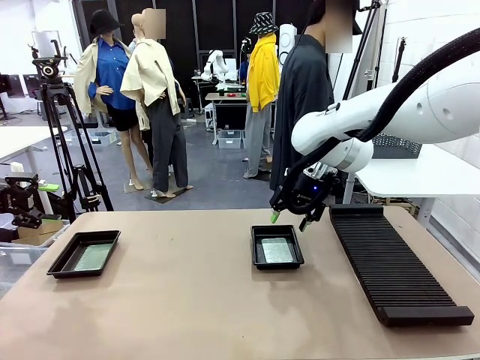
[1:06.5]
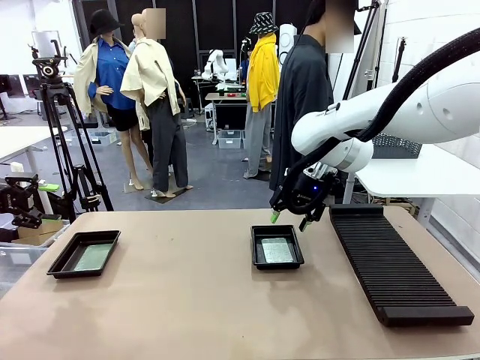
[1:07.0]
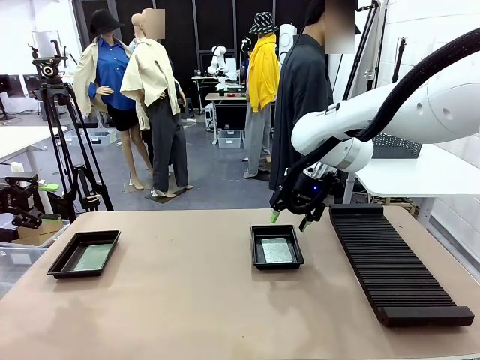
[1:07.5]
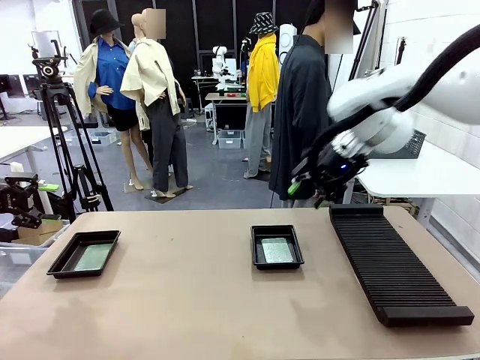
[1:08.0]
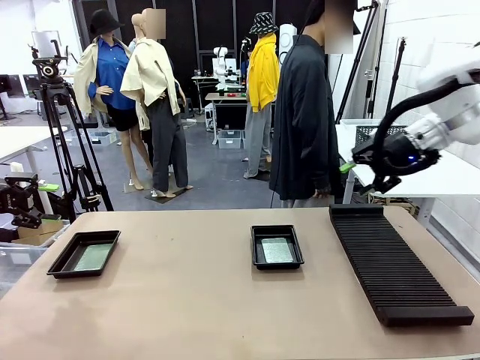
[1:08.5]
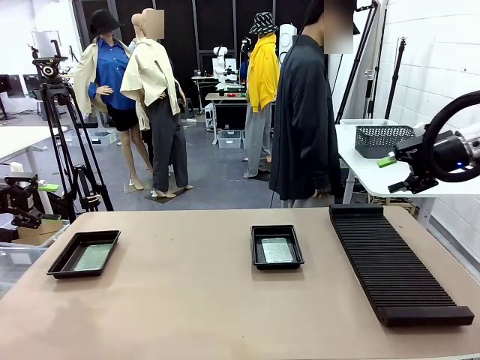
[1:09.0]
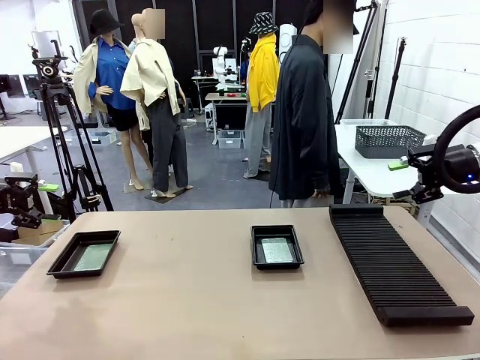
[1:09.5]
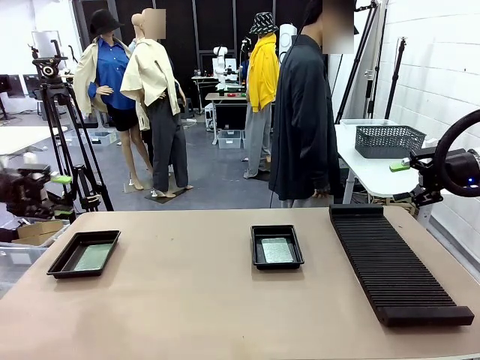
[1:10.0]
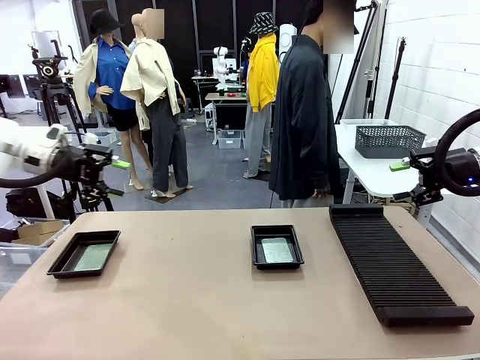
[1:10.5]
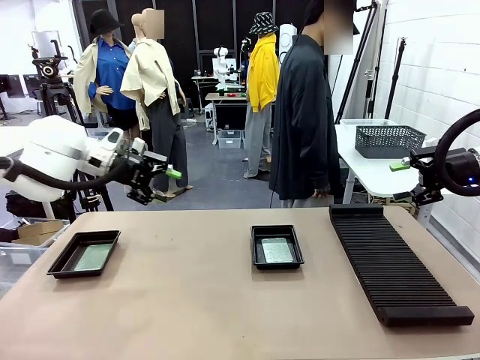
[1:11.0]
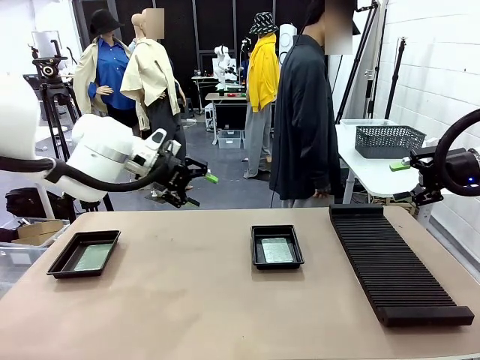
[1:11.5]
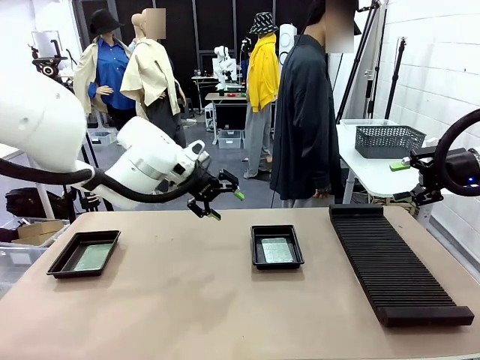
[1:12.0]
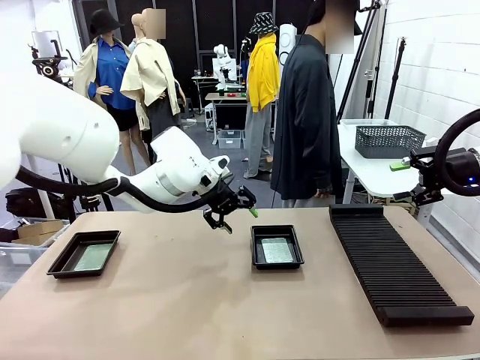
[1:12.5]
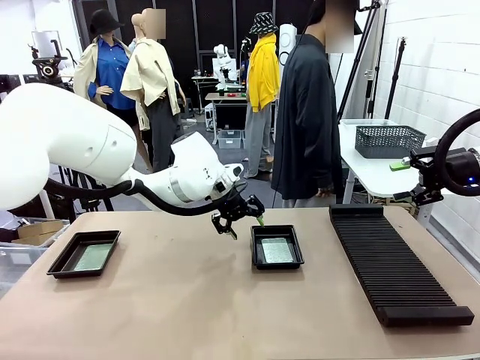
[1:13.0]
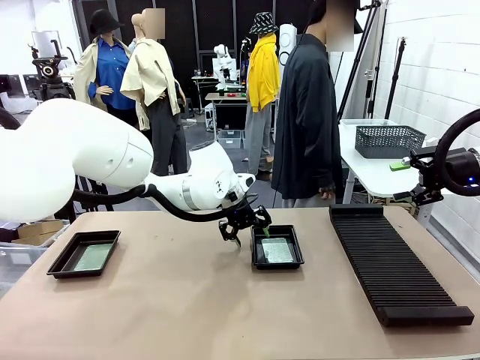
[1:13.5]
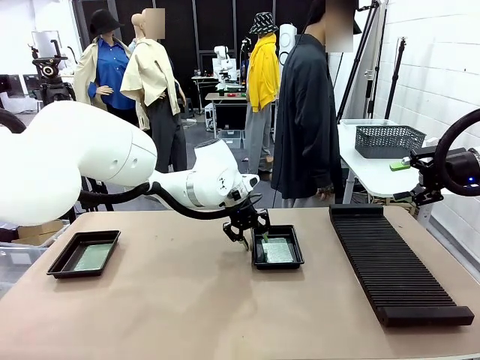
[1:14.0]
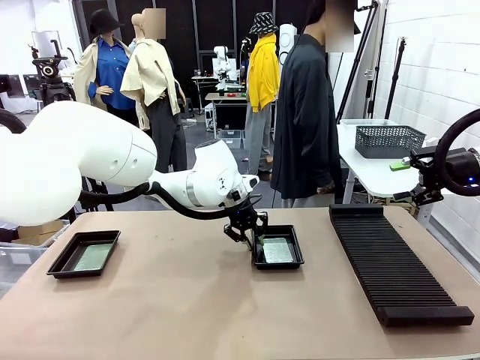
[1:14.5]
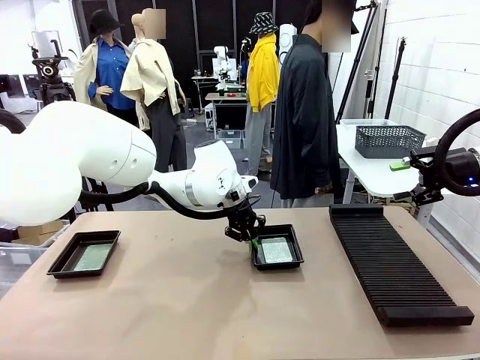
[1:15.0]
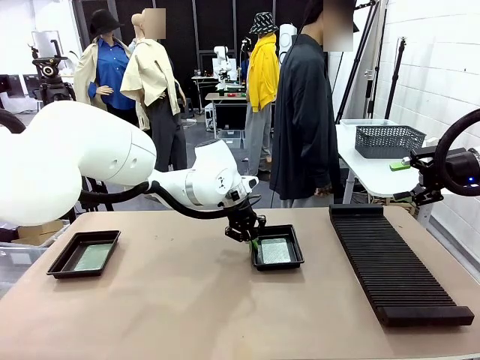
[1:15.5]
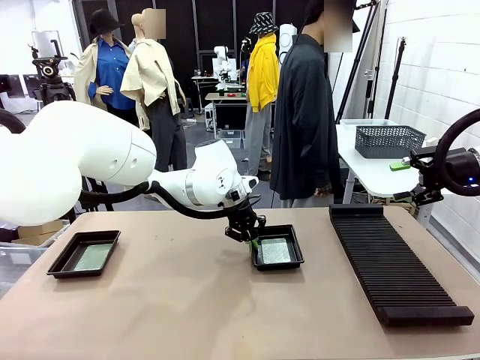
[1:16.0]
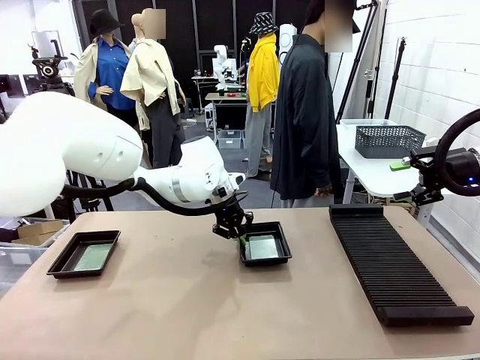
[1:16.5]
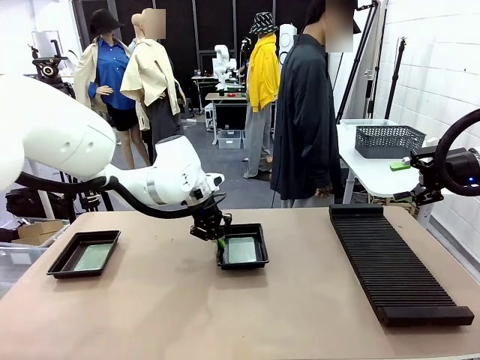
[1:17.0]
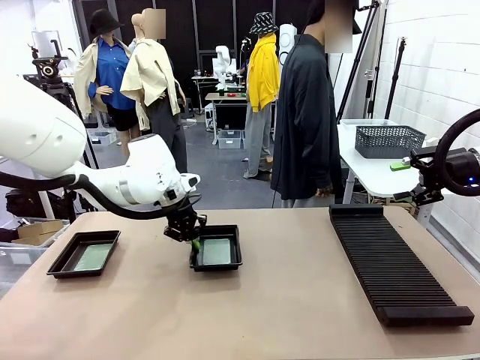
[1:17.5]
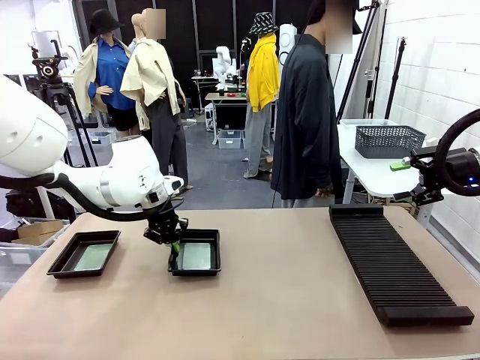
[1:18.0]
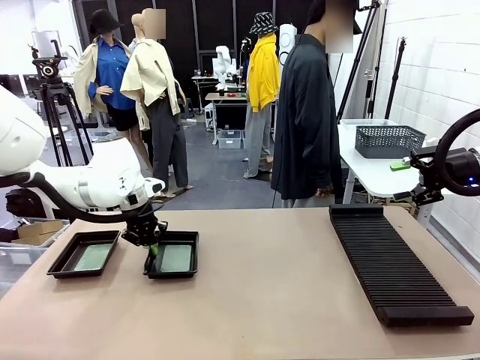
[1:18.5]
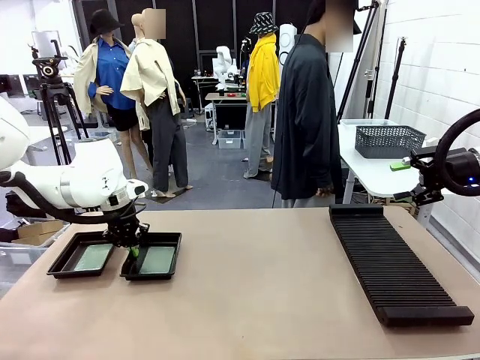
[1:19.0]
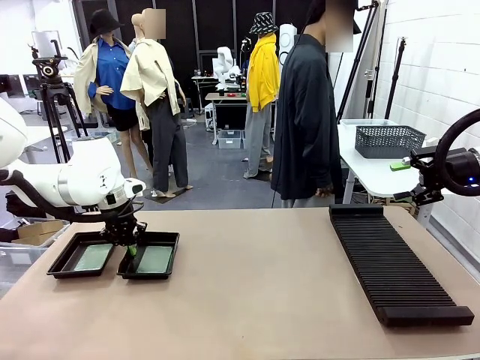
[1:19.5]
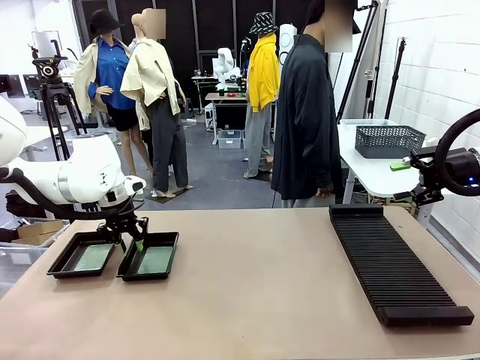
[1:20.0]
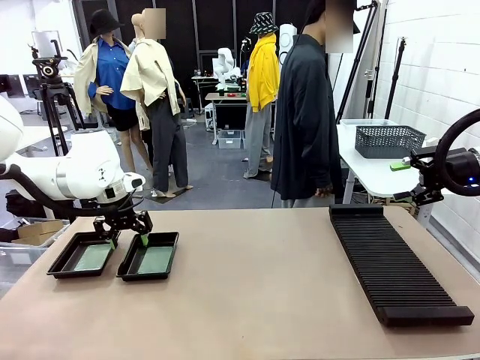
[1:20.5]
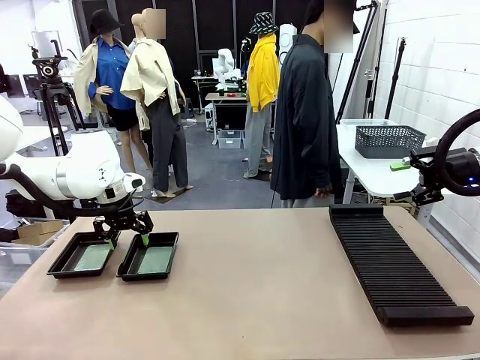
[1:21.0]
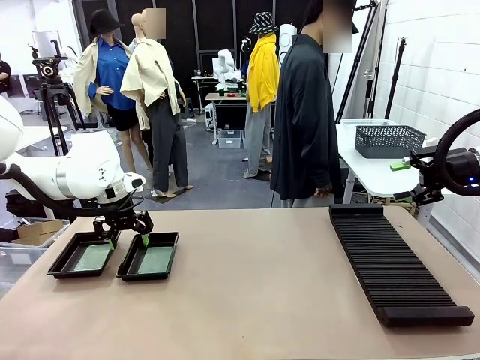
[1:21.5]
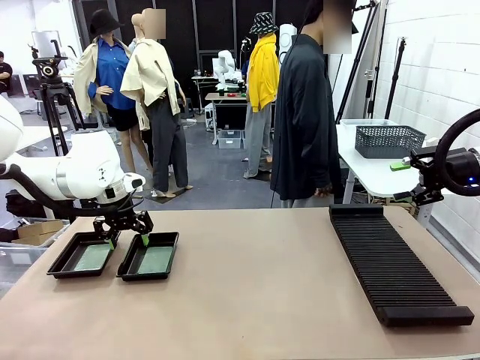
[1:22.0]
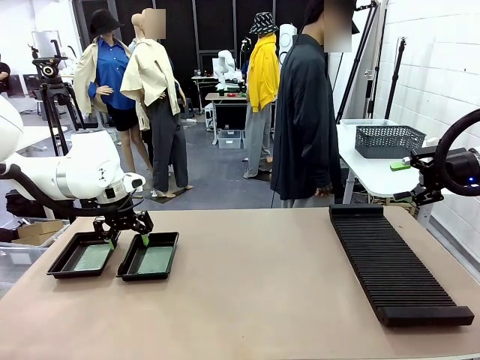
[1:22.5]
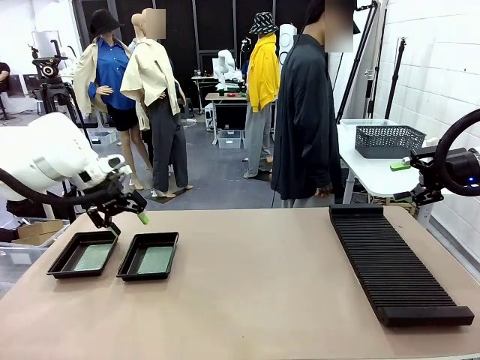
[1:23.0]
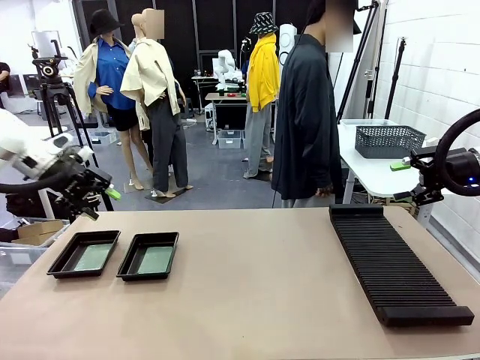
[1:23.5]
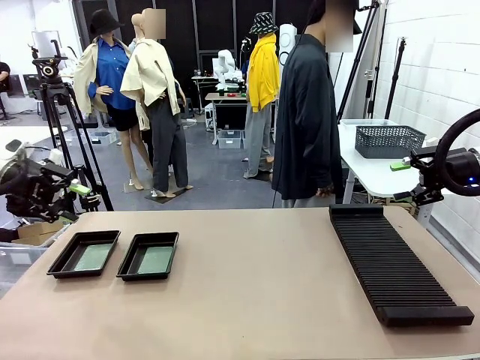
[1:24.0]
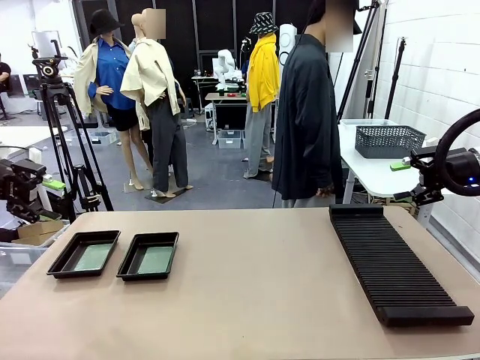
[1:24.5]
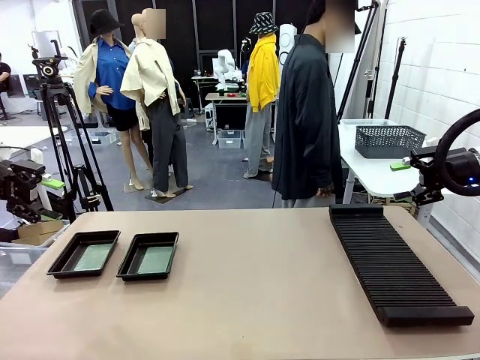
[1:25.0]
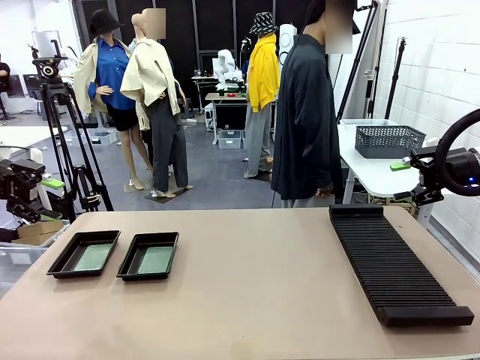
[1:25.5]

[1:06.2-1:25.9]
Task: Inspect and transfer BCBs to ESD trays.
Robot: Pick up the ESD tray and place it on the left side of the table.

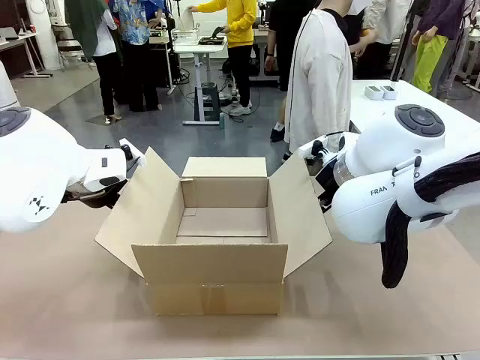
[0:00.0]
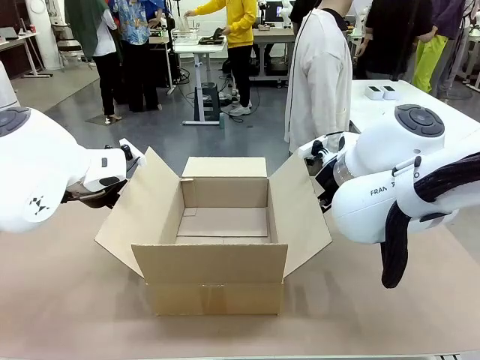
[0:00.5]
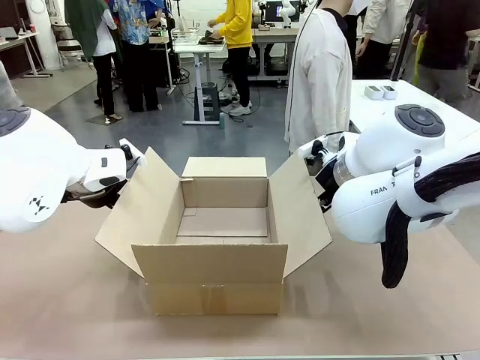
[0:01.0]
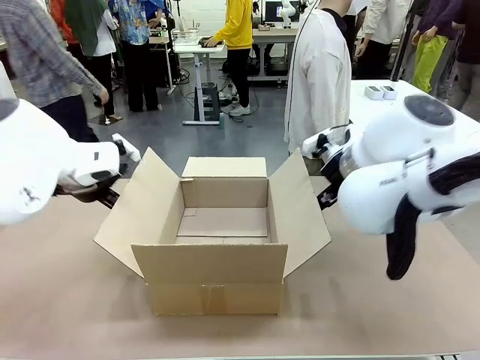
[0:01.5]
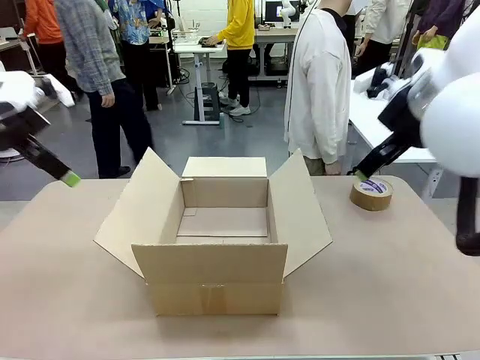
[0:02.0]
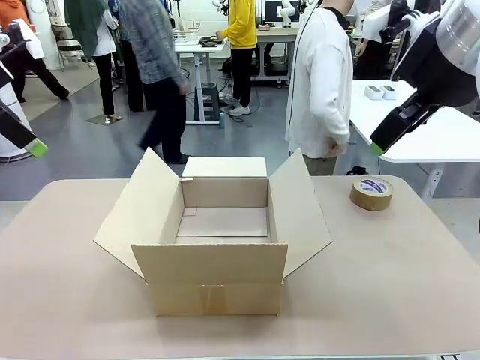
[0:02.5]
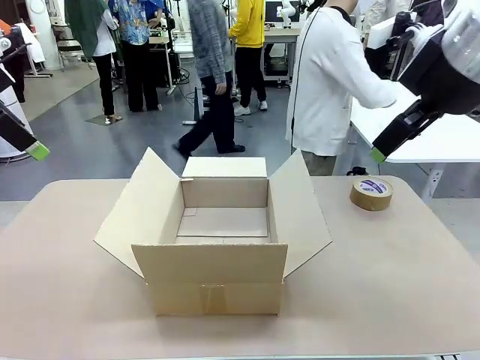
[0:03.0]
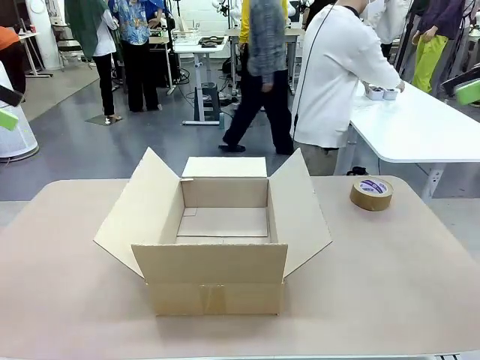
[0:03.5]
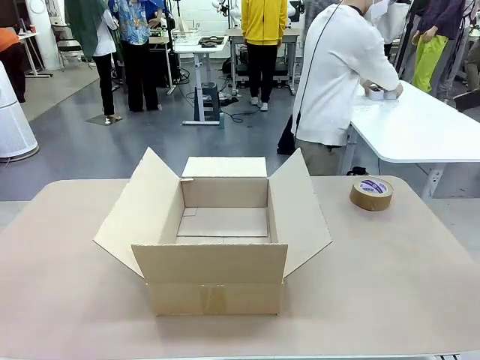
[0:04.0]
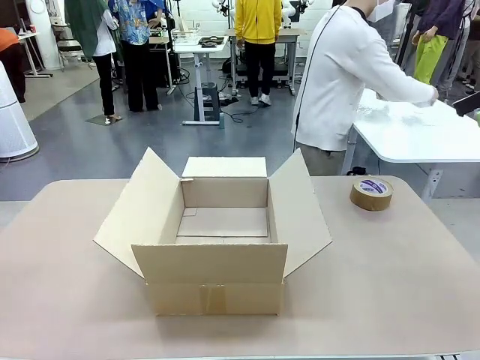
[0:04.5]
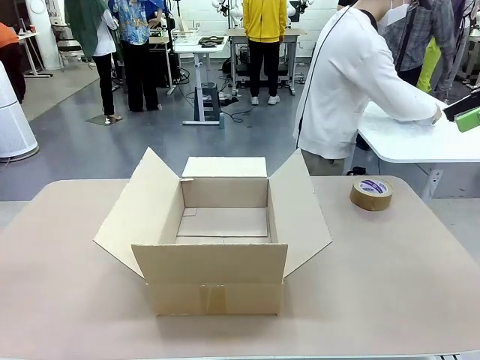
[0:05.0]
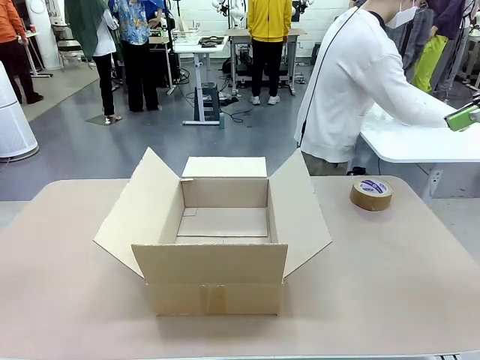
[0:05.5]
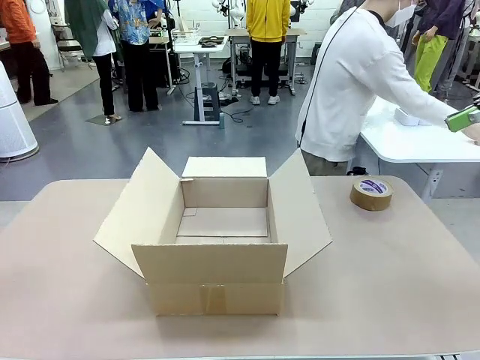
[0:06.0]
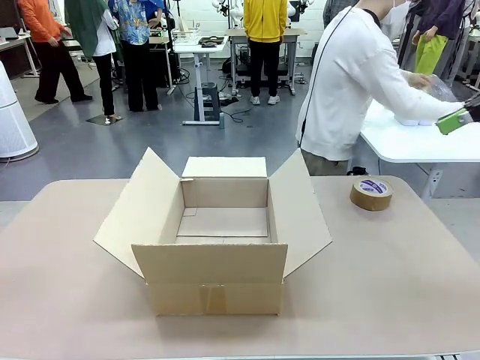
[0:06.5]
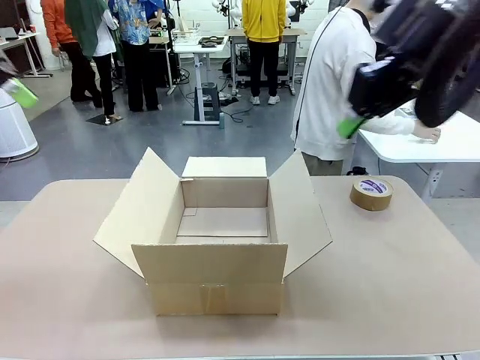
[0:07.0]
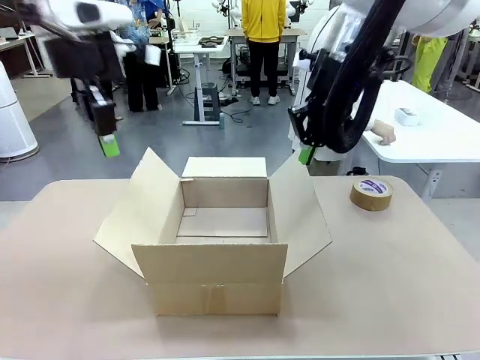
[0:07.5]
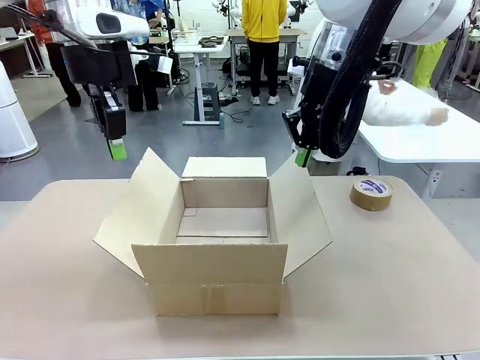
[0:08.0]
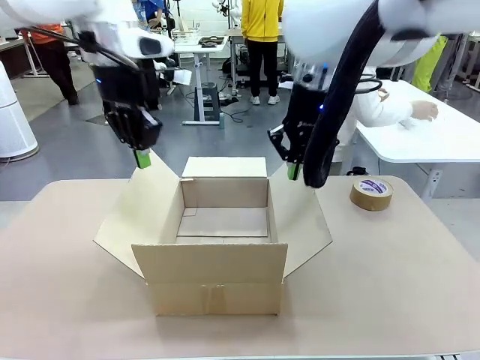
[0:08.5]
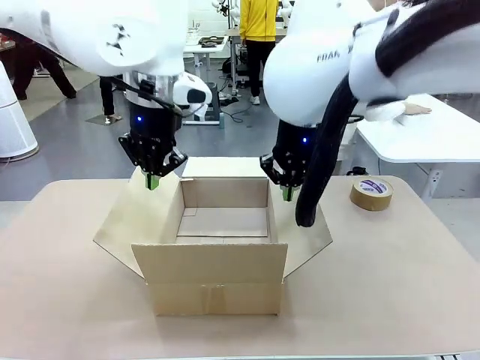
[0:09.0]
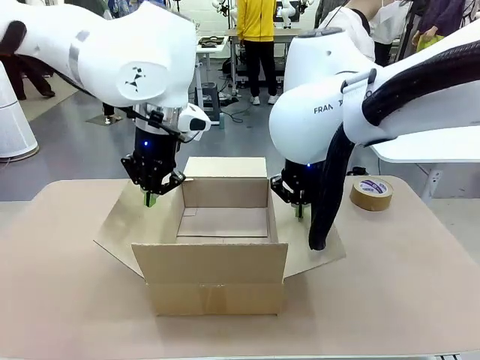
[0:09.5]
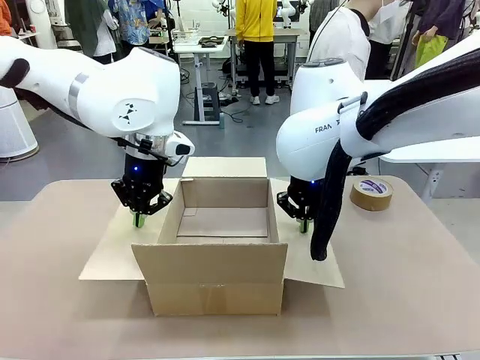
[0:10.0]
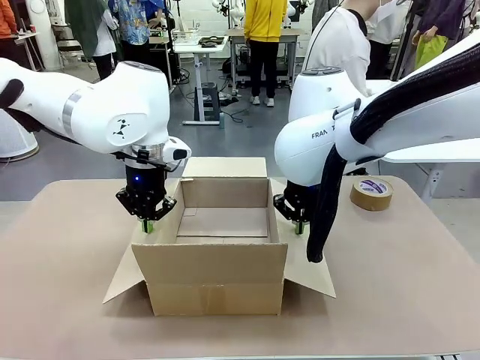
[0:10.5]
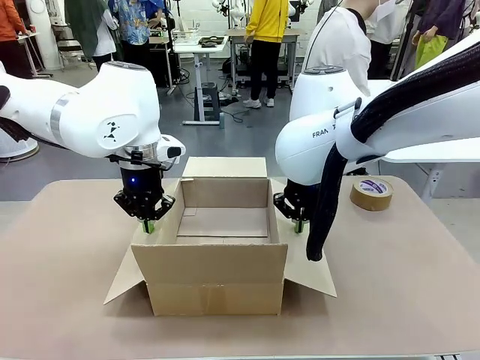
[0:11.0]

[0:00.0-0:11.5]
Task: Wrap the clocks to prevent damage.
Robot: Open the side flaps of the Package Box.
Person: Wrap the two Digital clocks with Bubble Wrap.
